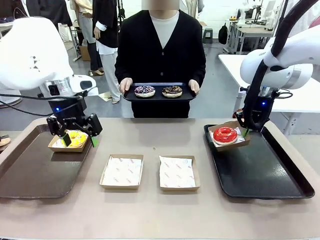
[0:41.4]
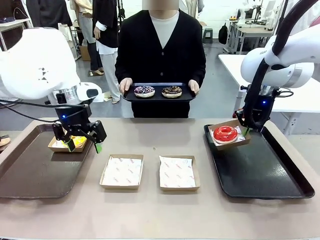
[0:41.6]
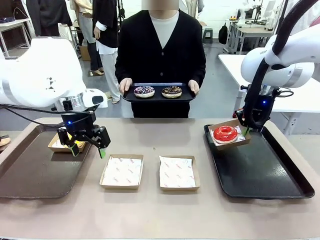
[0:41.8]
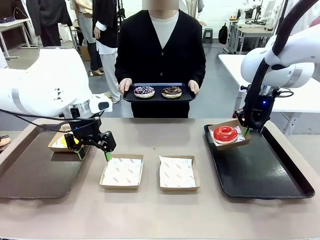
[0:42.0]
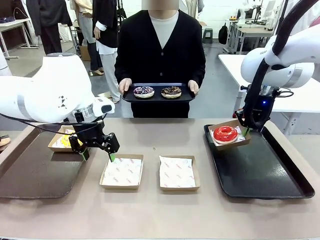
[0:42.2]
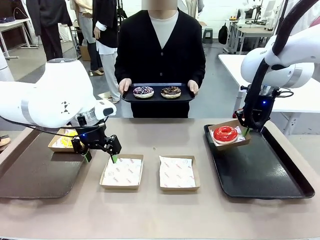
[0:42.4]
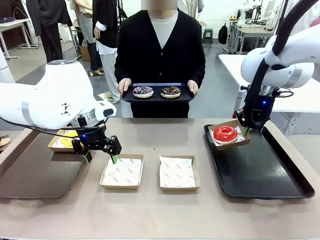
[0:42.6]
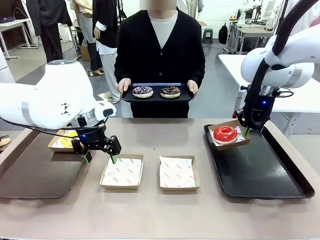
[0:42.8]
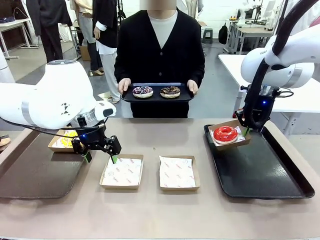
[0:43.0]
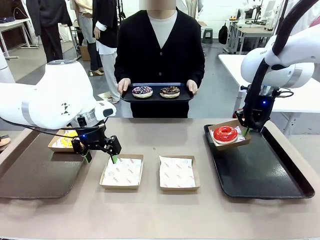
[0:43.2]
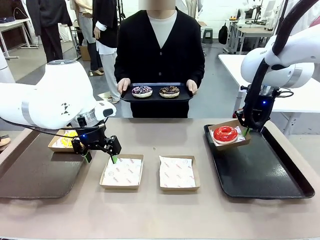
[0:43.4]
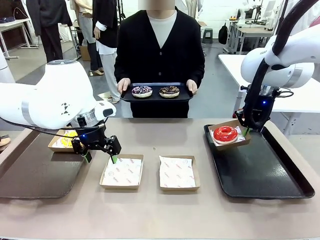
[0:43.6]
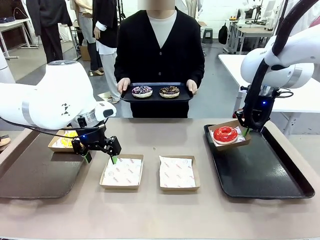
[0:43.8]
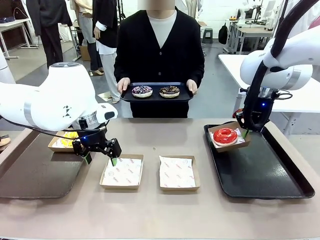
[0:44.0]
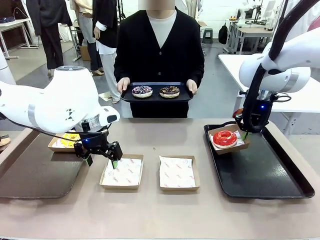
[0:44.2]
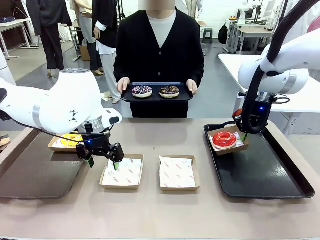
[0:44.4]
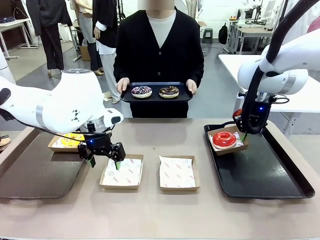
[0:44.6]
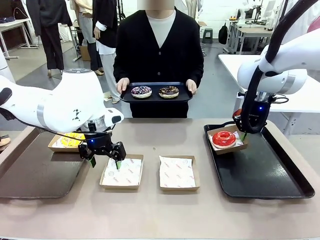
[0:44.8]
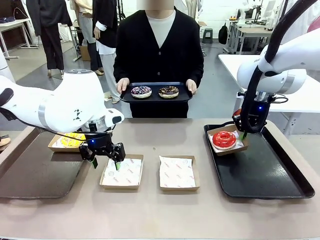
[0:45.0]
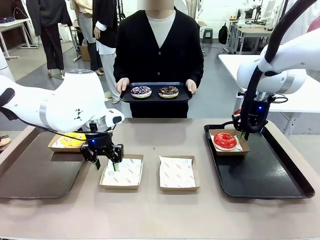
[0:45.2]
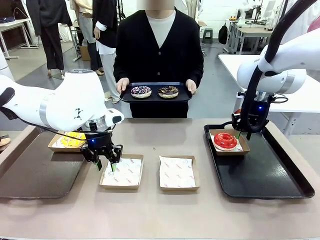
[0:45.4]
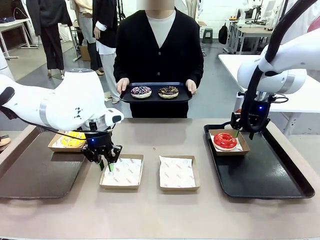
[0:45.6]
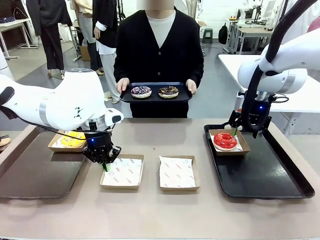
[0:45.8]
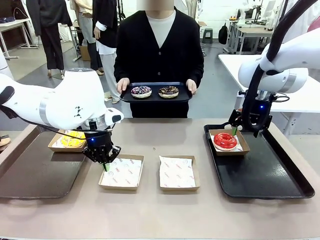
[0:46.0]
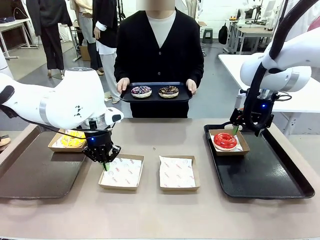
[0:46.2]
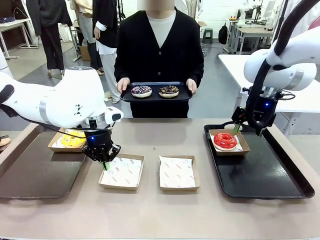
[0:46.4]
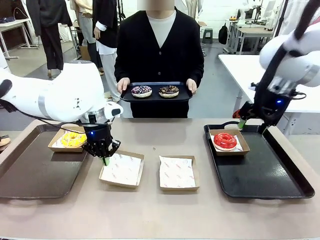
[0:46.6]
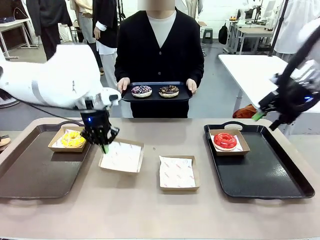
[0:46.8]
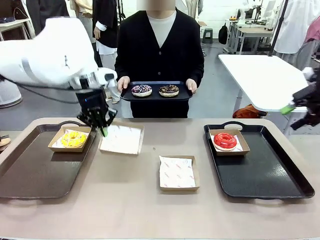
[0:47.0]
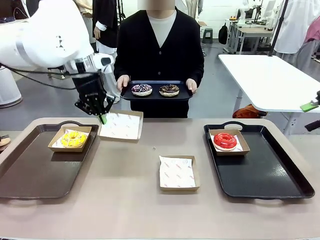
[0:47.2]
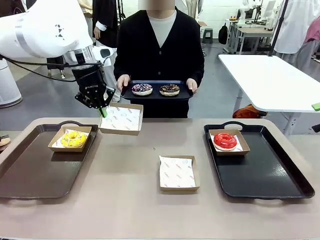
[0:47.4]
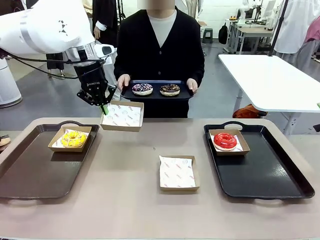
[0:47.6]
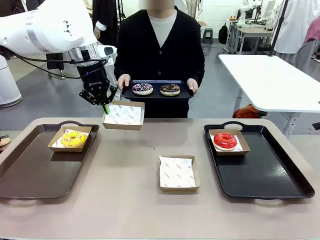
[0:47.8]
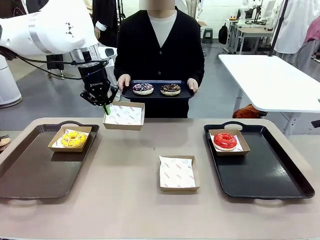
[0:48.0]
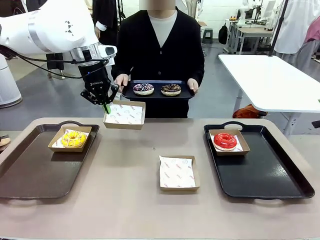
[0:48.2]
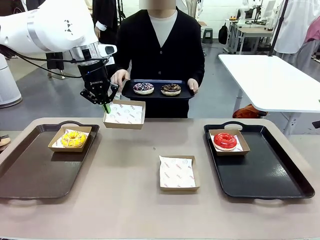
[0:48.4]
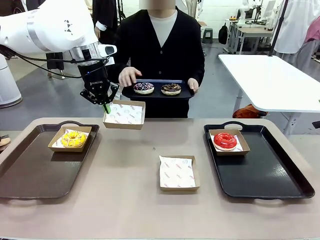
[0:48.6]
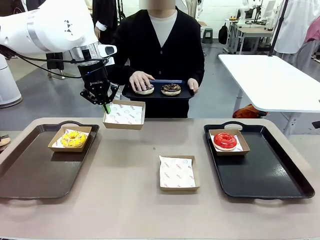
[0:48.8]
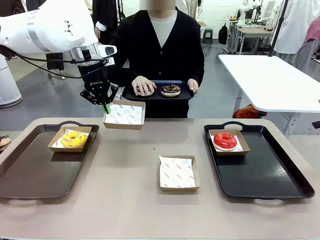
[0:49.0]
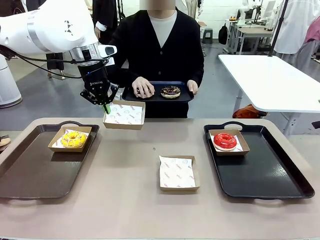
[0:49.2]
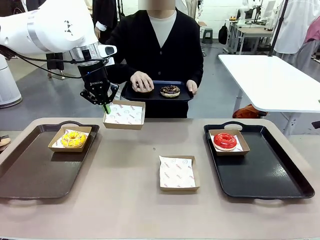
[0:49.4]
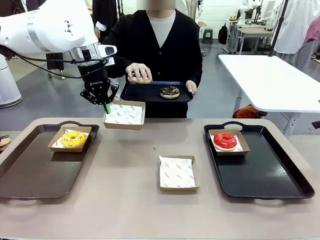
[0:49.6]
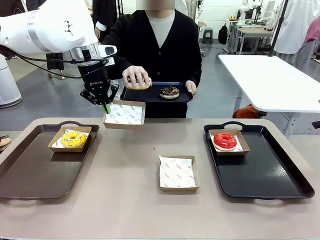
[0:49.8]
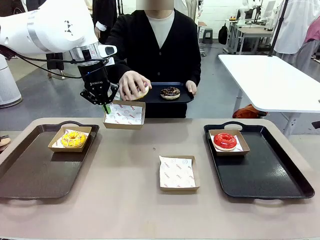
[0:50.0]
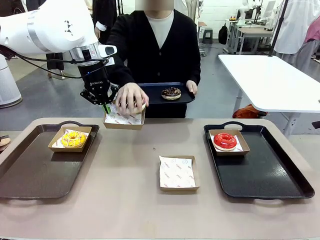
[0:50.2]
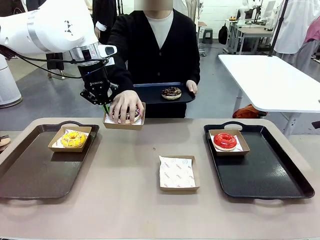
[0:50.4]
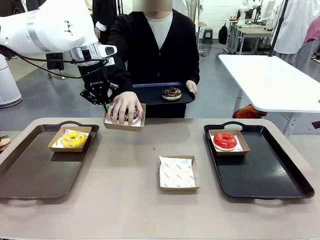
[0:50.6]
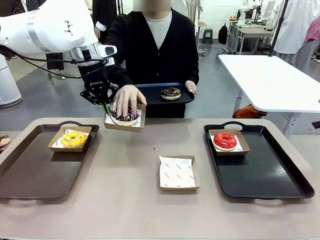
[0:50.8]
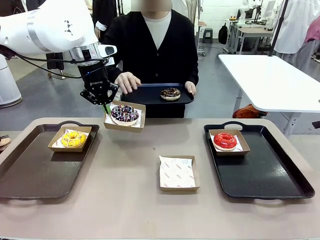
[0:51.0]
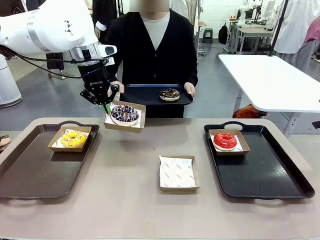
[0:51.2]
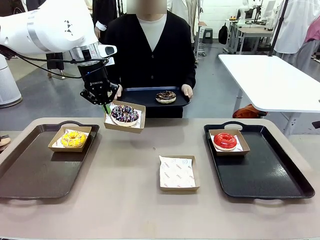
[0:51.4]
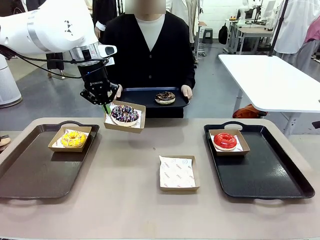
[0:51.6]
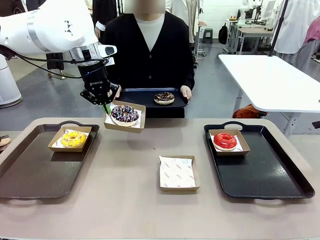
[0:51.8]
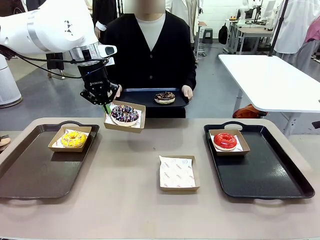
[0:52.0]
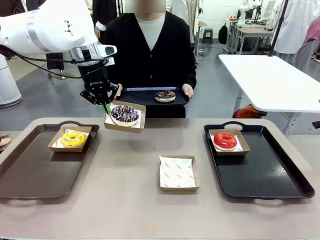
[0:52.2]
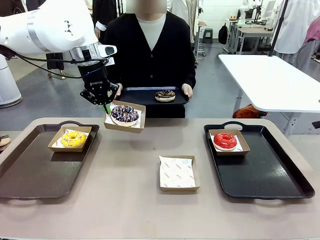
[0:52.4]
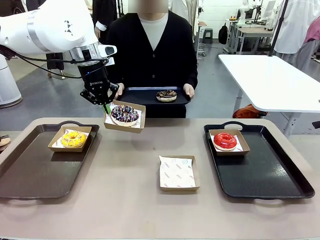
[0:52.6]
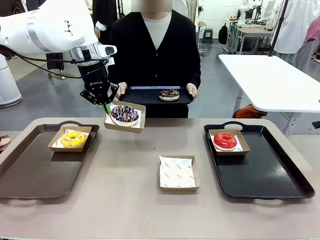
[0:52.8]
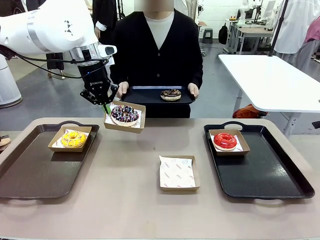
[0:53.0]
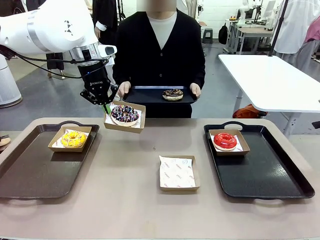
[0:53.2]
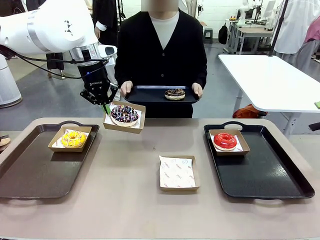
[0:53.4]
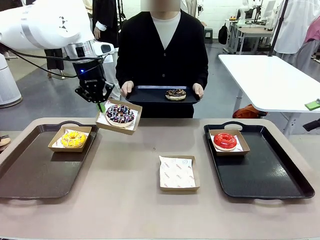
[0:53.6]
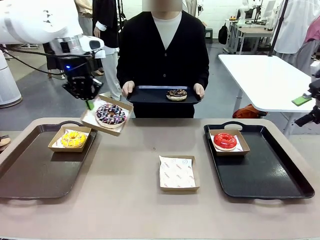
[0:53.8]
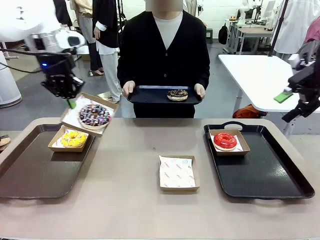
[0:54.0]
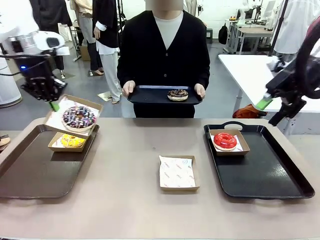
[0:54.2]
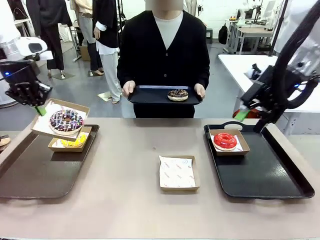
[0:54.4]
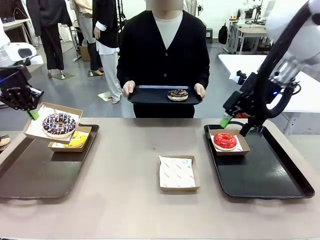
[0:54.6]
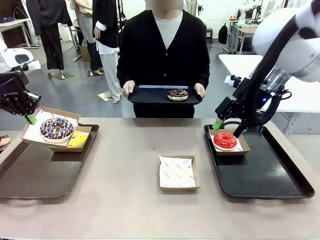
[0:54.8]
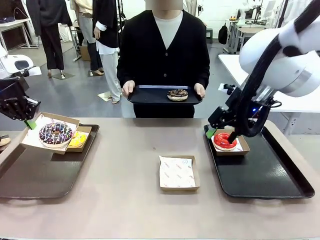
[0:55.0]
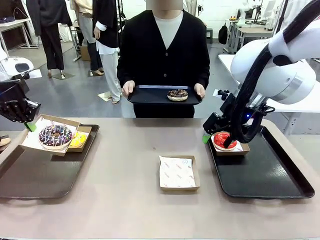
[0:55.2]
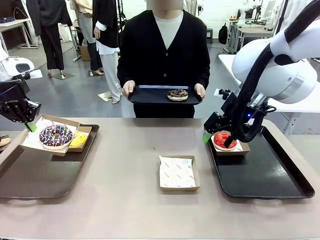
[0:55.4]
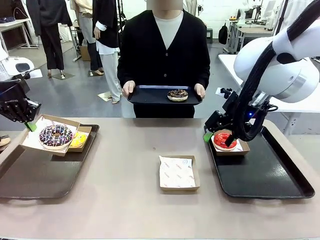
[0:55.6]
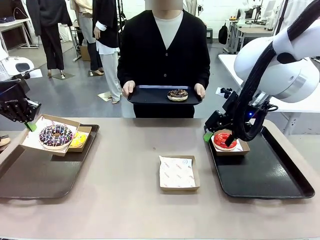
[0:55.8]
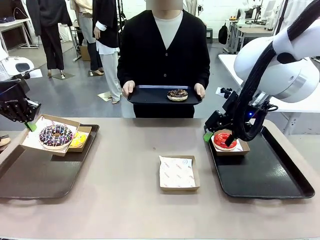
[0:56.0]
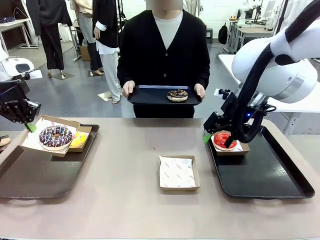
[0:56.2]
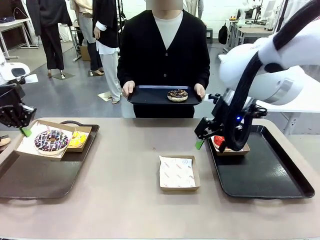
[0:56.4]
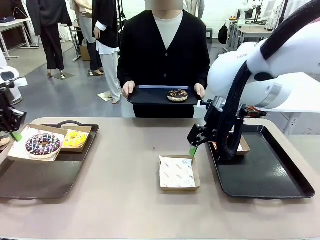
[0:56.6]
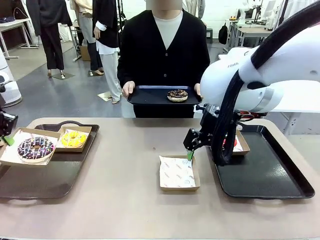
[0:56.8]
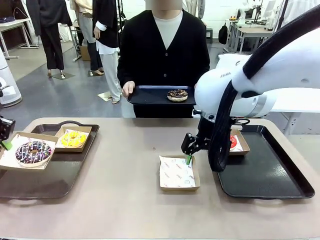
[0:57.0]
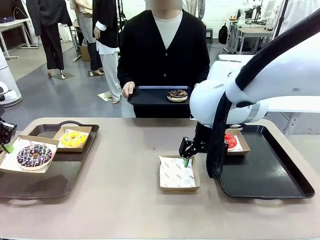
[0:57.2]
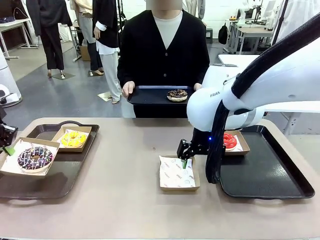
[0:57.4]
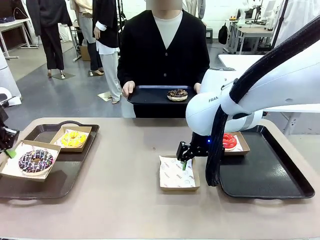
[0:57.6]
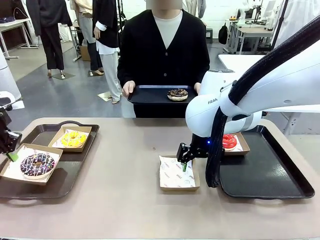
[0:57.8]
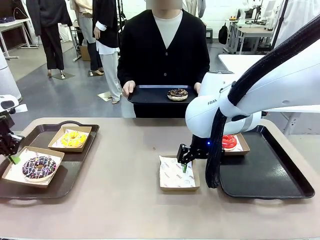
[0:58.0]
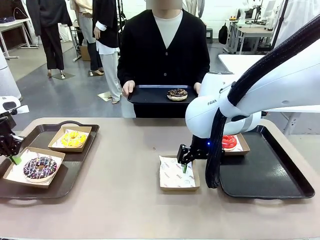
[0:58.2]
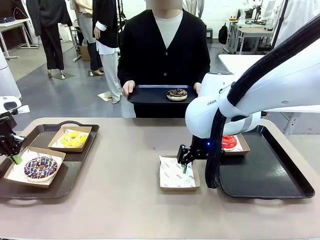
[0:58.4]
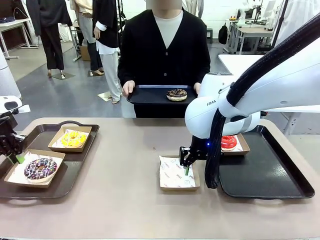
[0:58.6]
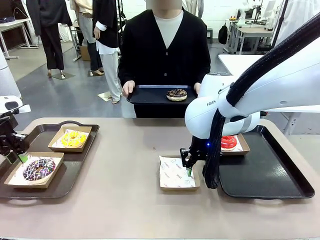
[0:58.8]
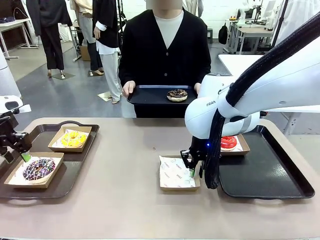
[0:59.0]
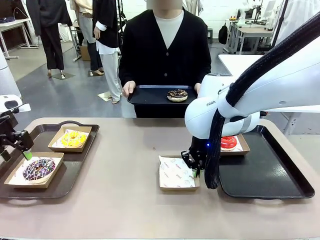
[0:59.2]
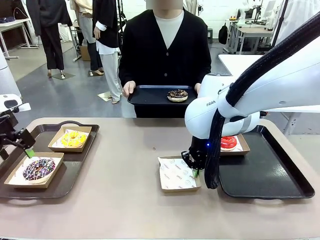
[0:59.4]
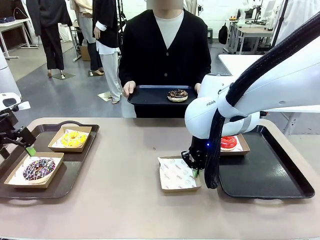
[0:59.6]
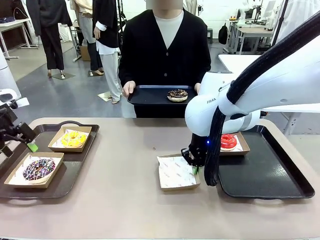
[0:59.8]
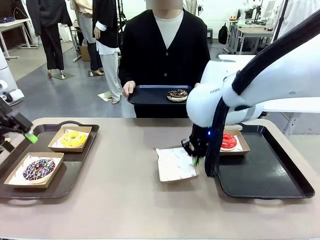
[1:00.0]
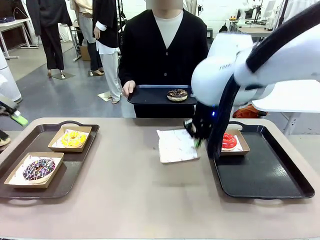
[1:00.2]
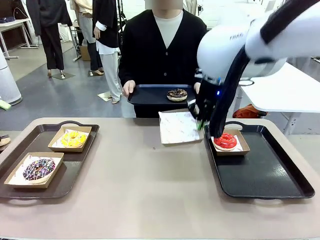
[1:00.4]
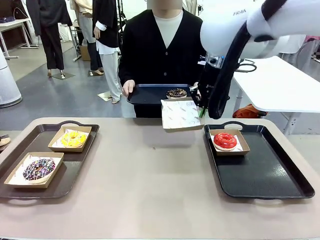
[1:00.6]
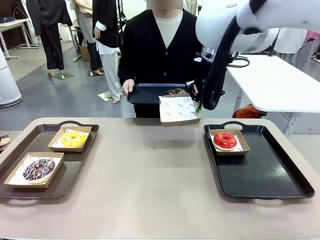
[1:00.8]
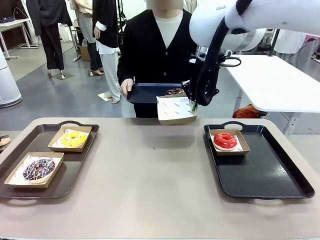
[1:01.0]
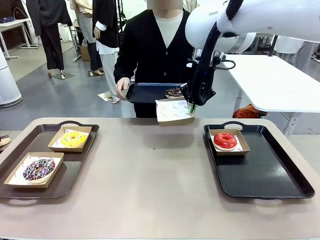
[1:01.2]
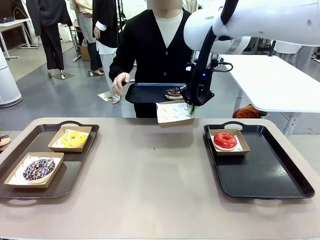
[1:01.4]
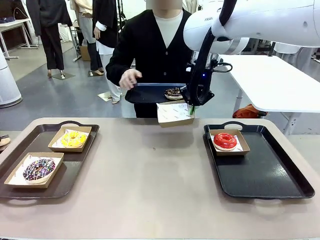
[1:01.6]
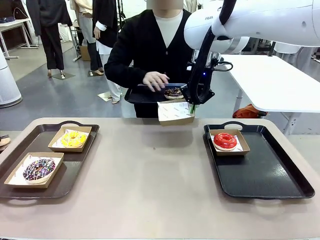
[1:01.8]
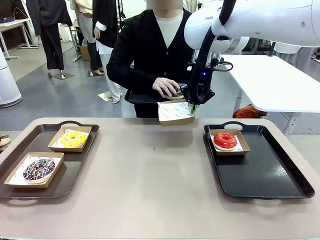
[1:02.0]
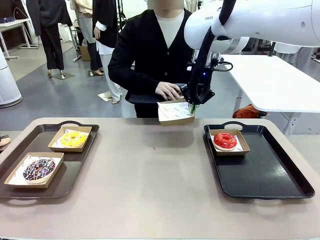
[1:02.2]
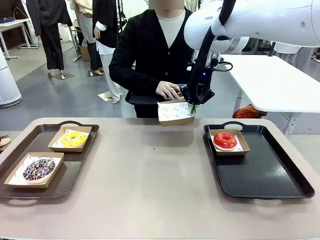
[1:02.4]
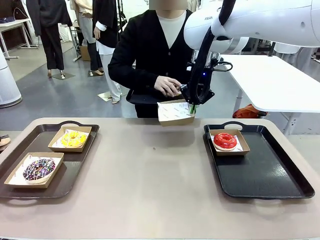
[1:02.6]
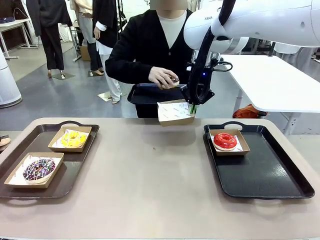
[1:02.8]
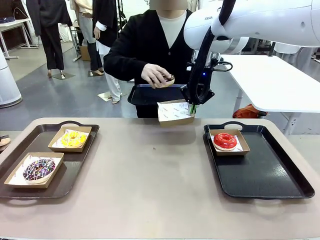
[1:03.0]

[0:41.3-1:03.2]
Task: Individually package the donuts and arrange them on the tray.
Robot: Place the picked Paper togo box on the Handle tray while simultaneously picking up another Paper togo box from the table with the other hand.
